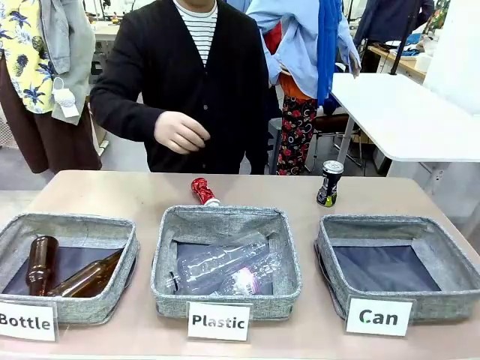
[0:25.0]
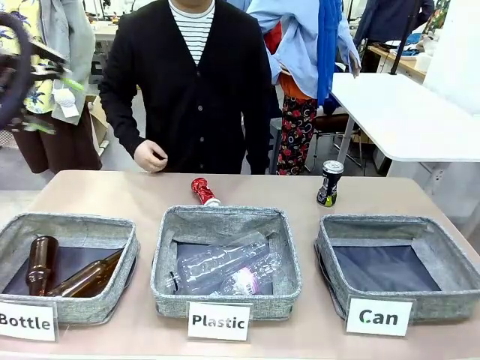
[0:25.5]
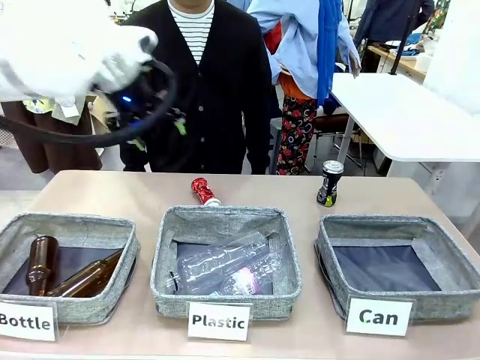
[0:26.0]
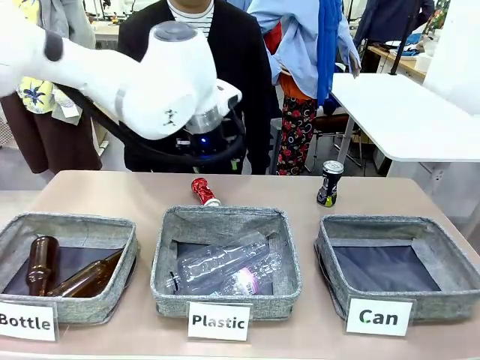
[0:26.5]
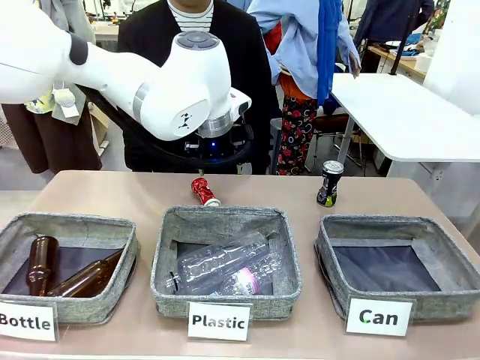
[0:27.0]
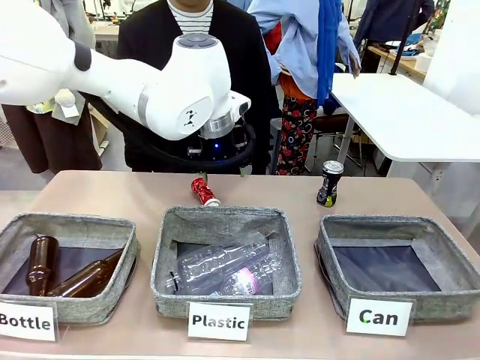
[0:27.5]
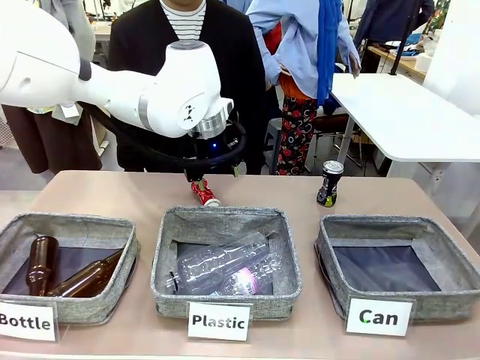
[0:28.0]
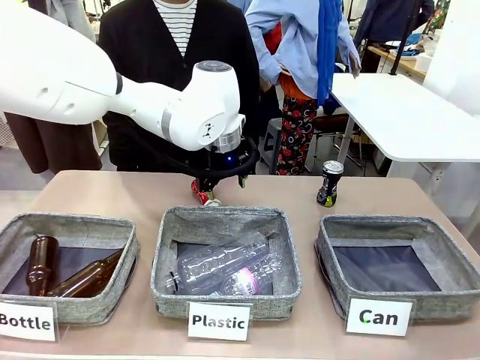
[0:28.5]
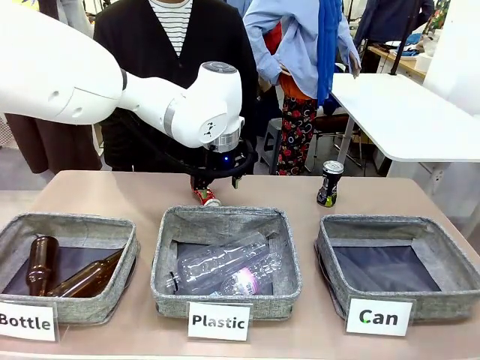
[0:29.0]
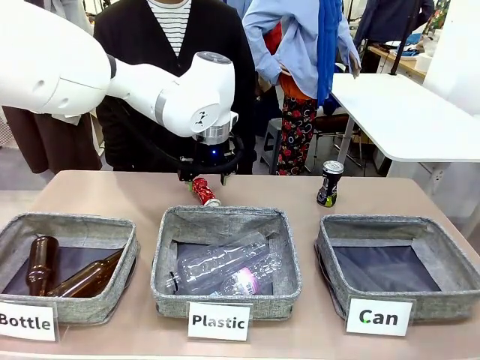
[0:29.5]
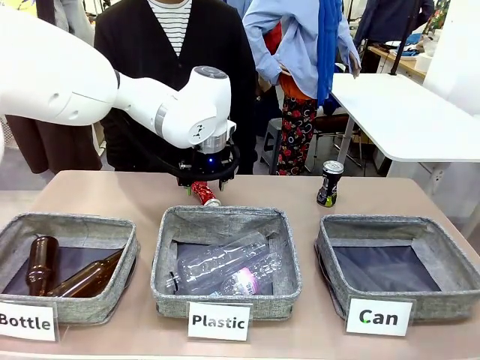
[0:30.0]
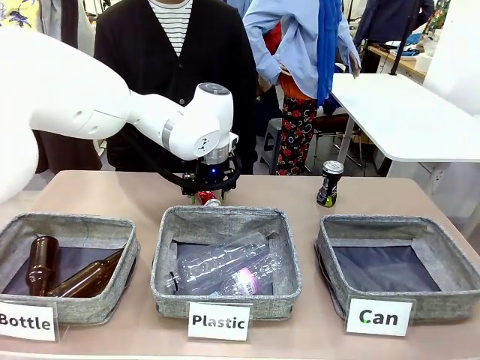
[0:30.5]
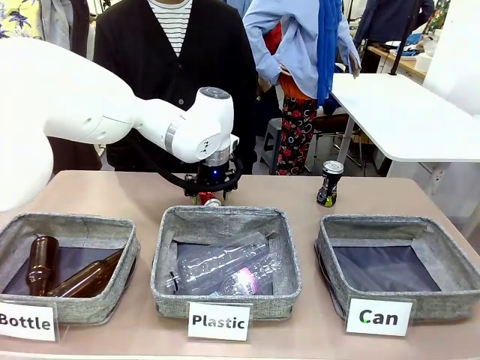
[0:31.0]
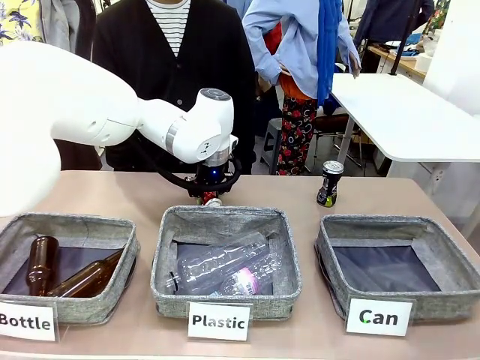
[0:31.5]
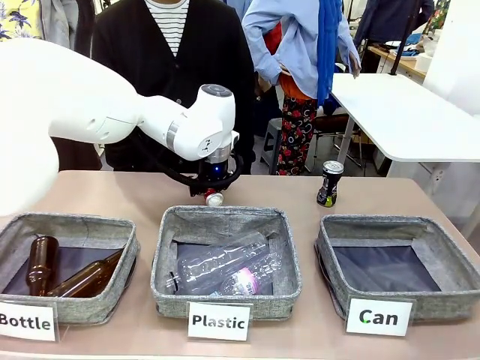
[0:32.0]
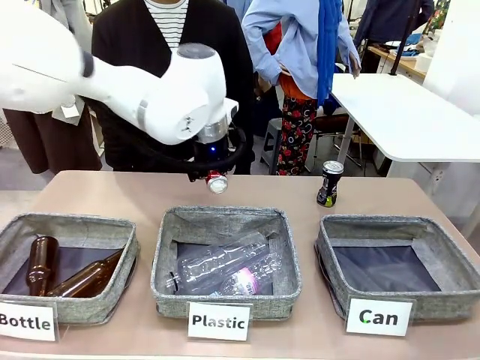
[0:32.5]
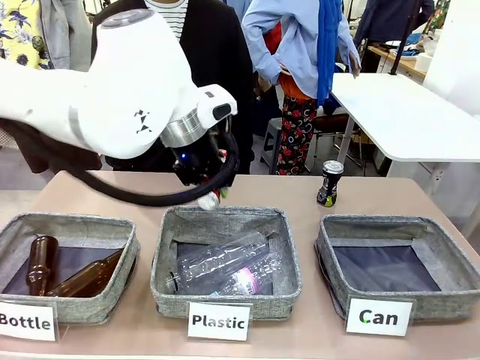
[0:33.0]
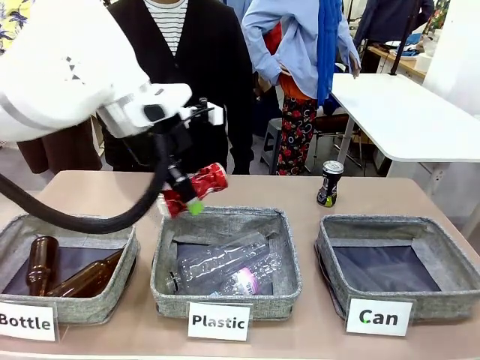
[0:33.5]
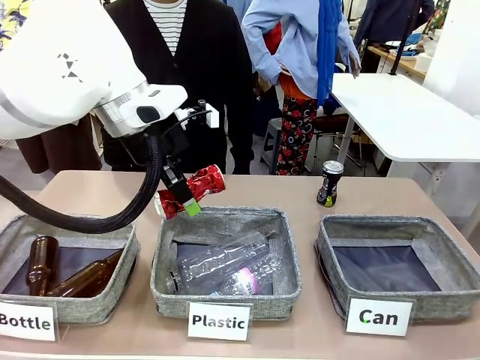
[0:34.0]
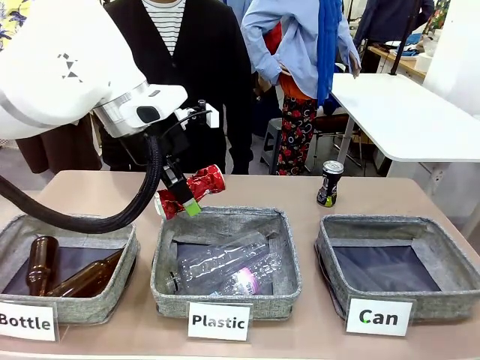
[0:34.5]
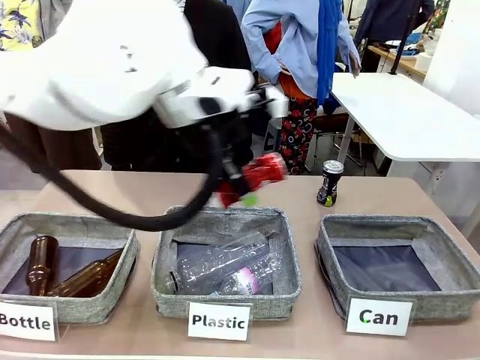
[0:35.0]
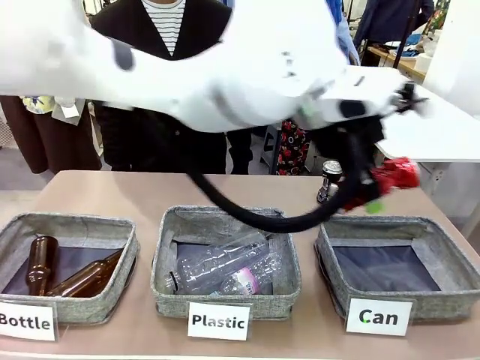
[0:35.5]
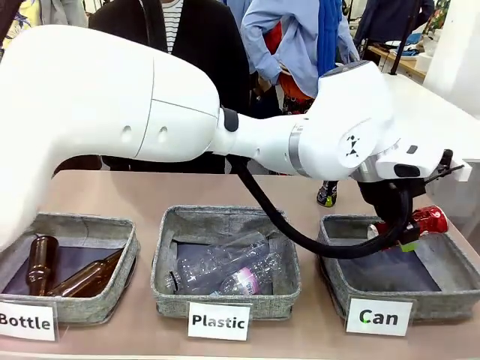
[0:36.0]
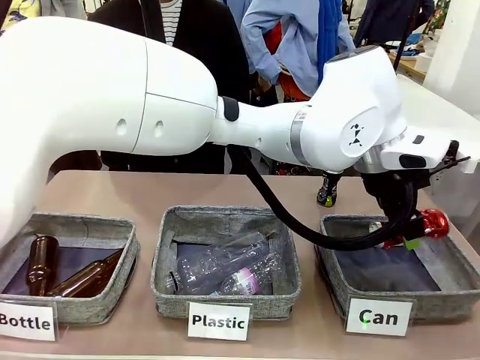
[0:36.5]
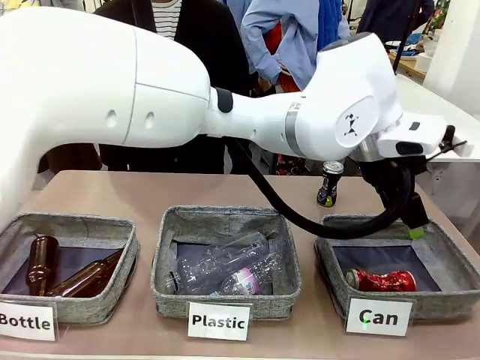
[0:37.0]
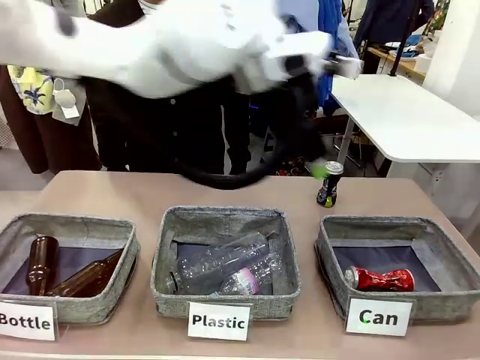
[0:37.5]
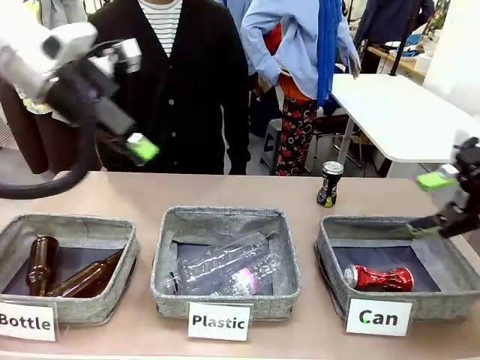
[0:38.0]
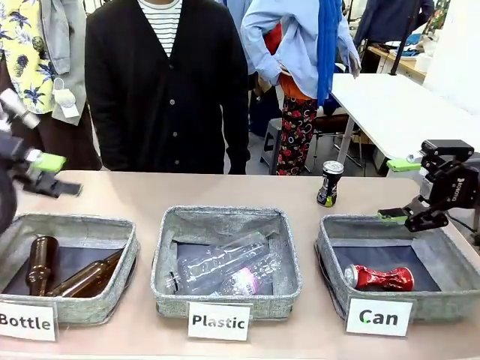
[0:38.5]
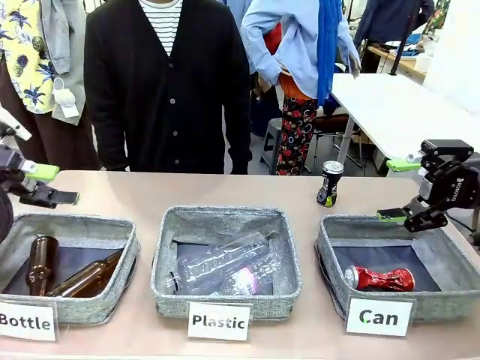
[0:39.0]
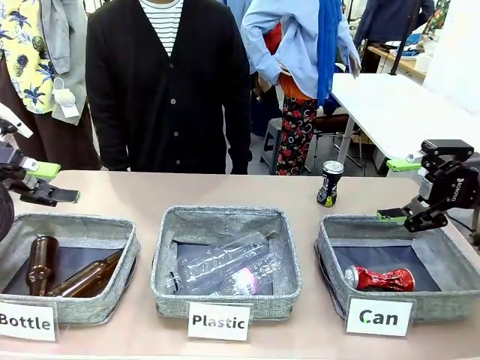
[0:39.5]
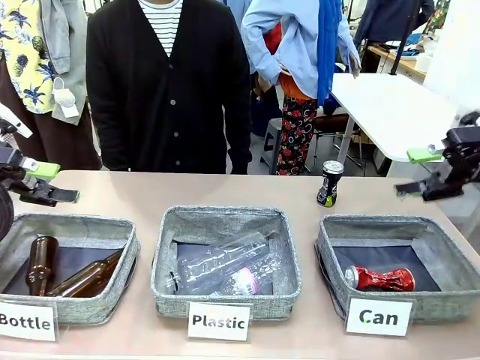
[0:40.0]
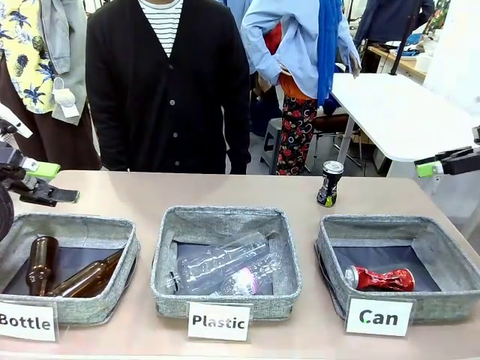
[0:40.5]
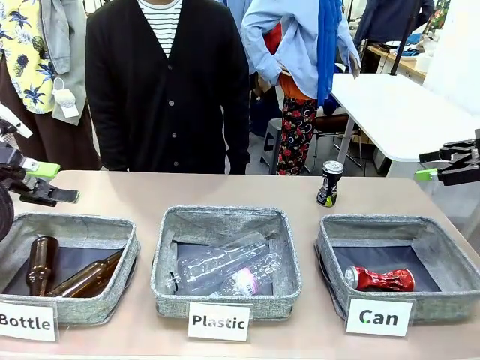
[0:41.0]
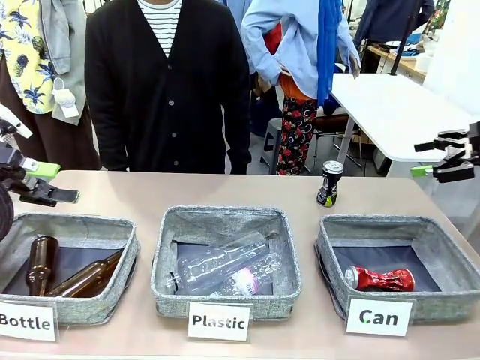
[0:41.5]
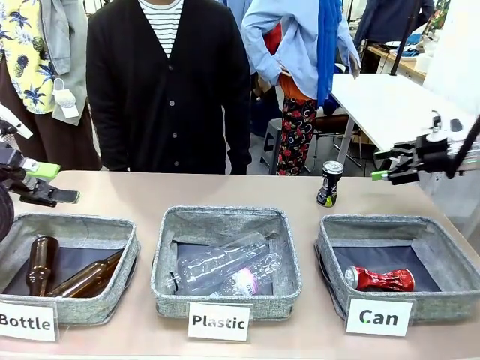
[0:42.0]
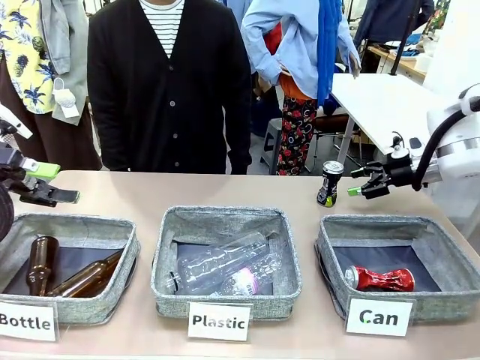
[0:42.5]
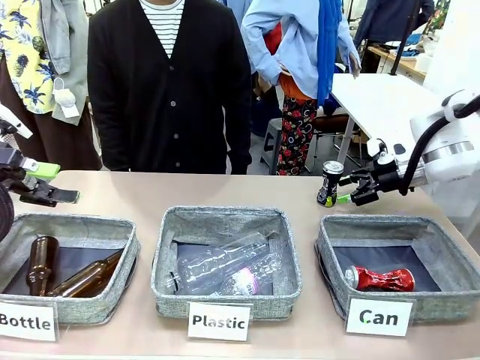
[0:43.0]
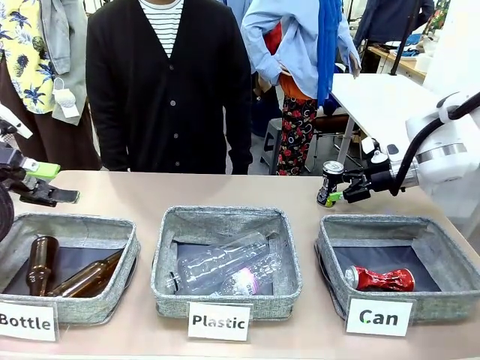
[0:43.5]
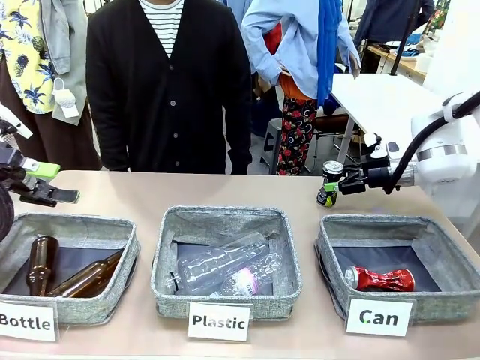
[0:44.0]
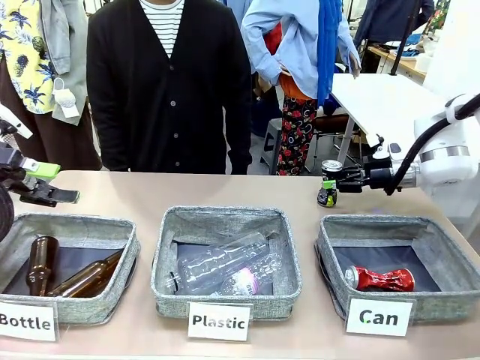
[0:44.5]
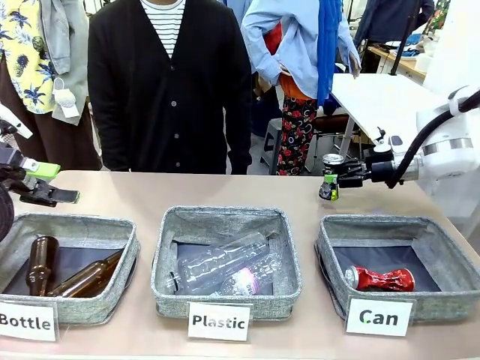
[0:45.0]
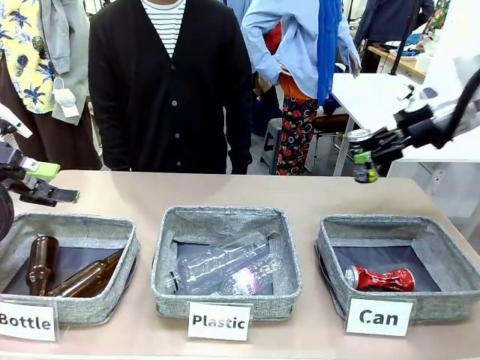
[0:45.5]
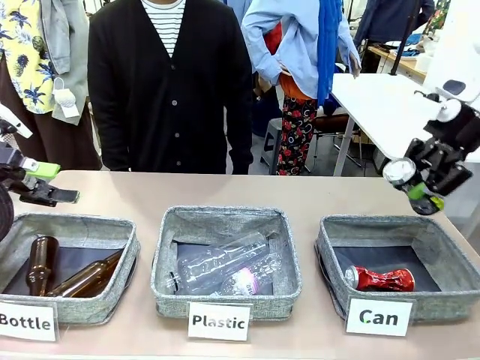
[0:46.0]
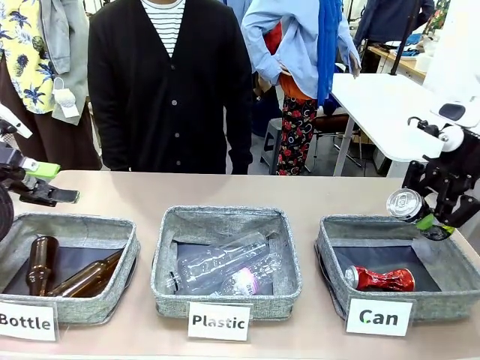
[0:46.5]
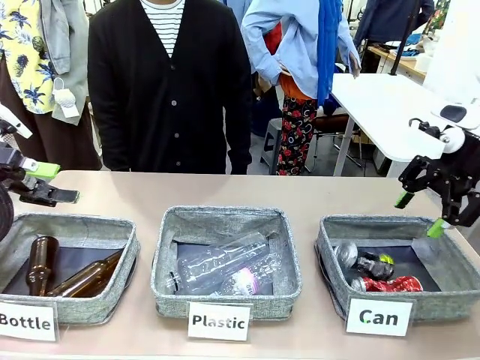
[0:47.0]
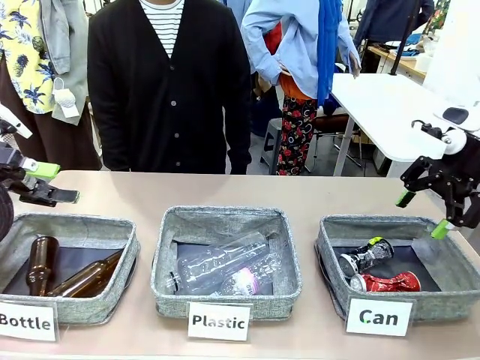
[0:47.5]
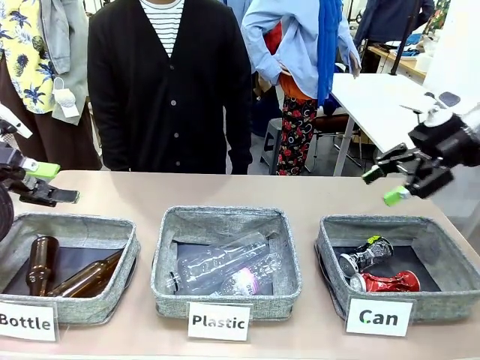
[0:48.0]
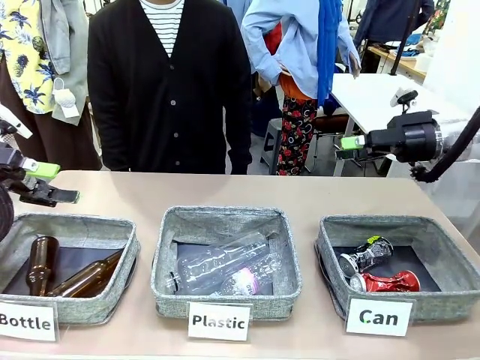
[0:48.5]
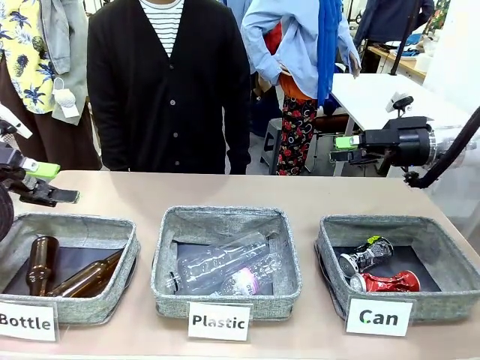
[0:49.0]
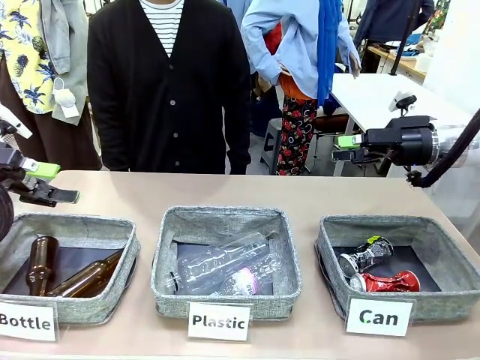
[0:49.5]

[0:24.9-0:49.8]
Task: Sort the can waste into the basket.
Robot: Pick up the can waste from the table and place it in the right Fabric basket.
